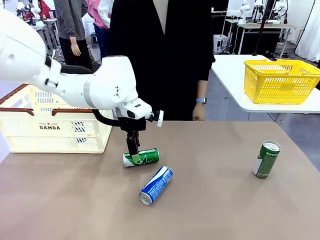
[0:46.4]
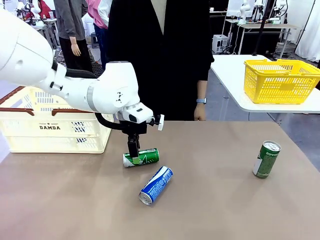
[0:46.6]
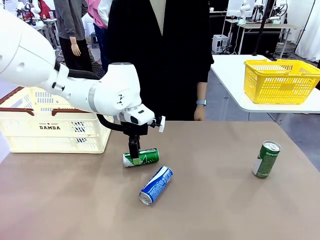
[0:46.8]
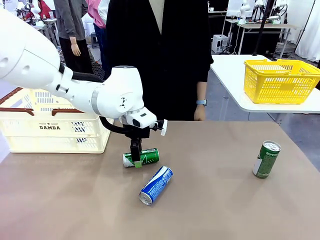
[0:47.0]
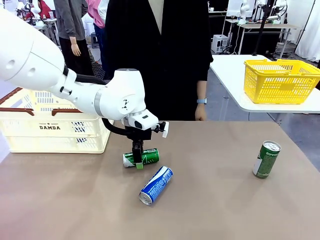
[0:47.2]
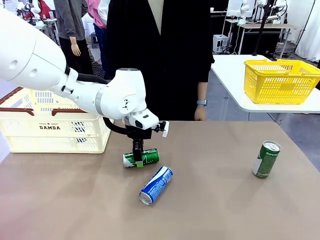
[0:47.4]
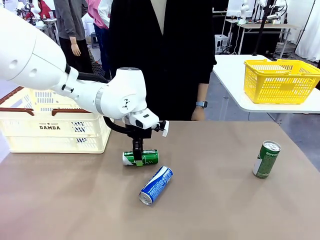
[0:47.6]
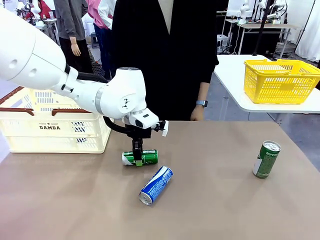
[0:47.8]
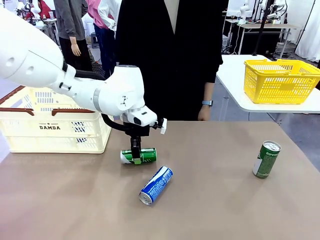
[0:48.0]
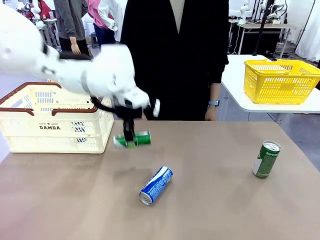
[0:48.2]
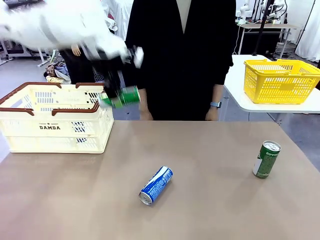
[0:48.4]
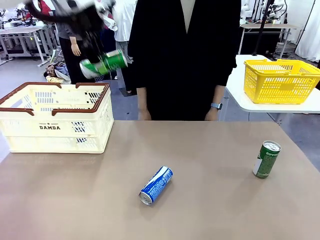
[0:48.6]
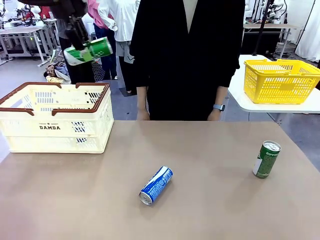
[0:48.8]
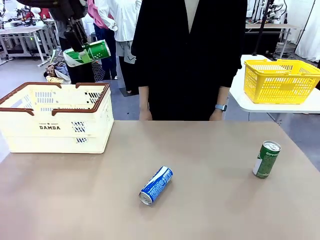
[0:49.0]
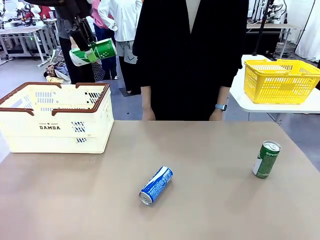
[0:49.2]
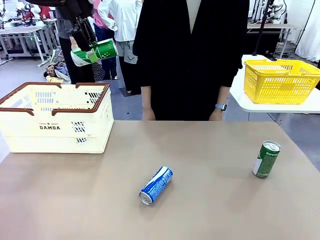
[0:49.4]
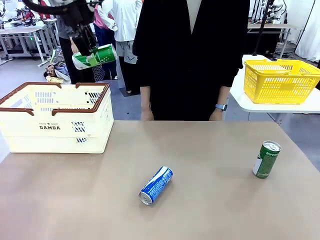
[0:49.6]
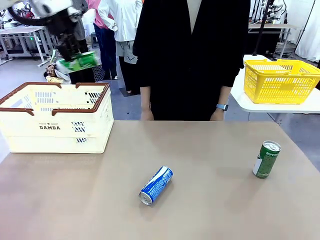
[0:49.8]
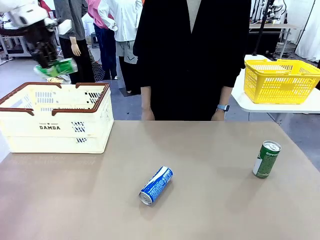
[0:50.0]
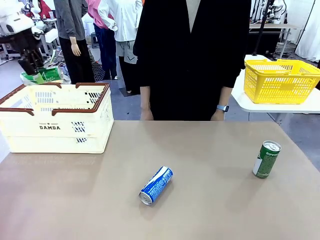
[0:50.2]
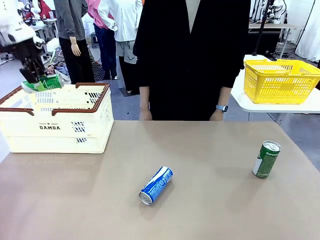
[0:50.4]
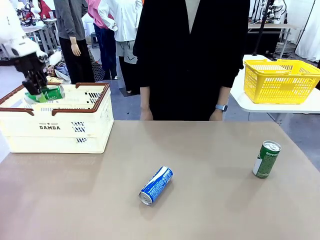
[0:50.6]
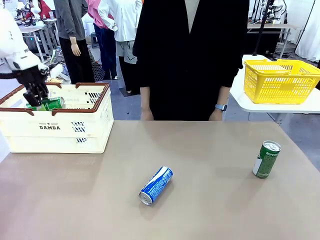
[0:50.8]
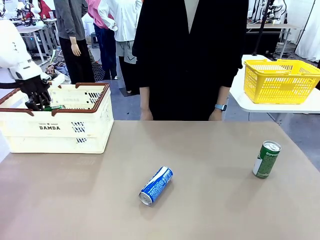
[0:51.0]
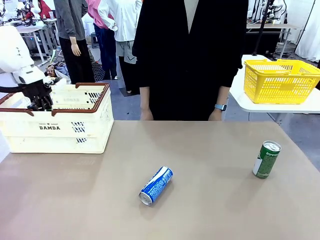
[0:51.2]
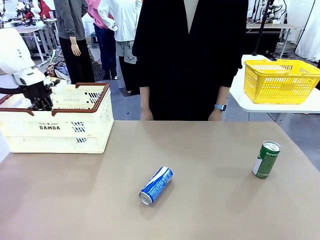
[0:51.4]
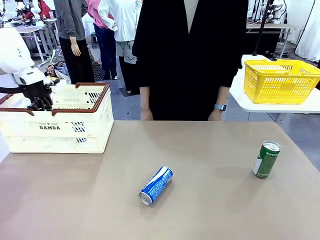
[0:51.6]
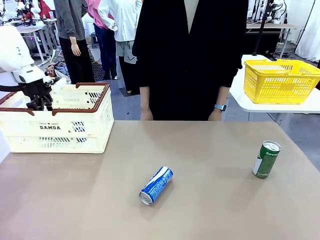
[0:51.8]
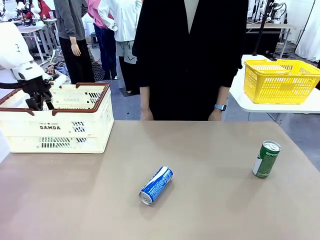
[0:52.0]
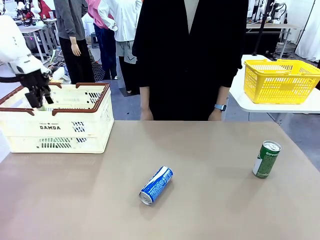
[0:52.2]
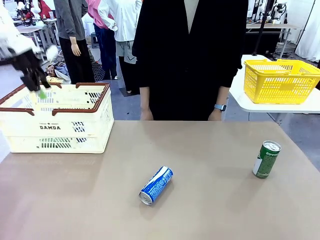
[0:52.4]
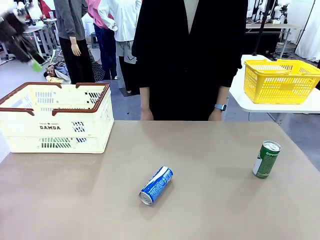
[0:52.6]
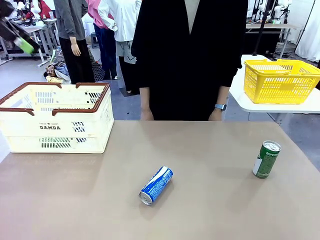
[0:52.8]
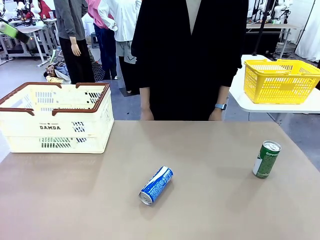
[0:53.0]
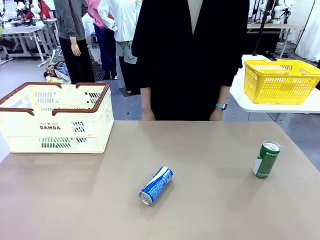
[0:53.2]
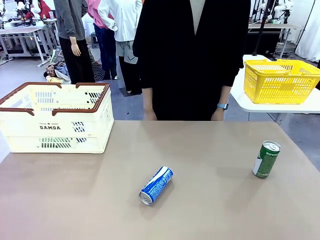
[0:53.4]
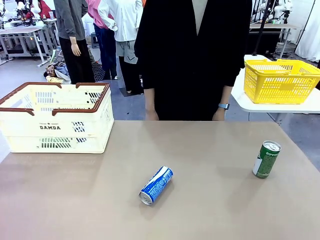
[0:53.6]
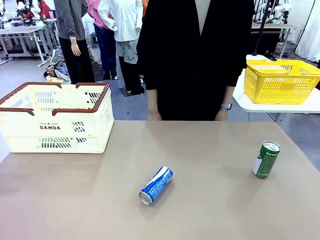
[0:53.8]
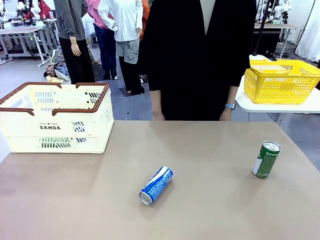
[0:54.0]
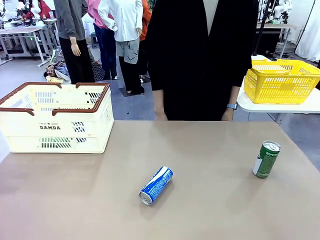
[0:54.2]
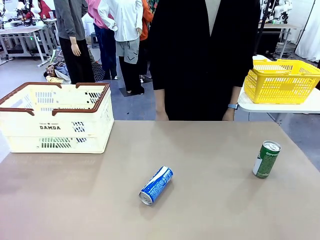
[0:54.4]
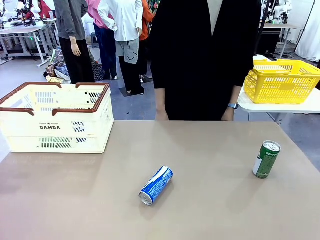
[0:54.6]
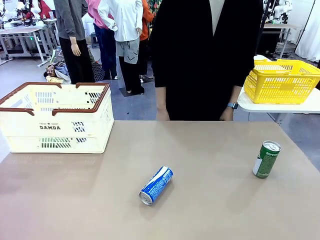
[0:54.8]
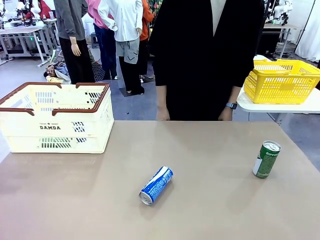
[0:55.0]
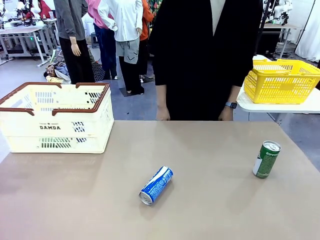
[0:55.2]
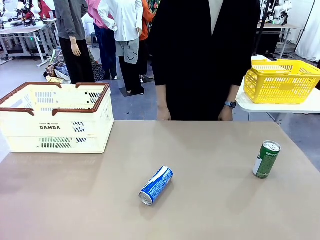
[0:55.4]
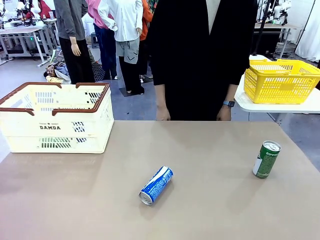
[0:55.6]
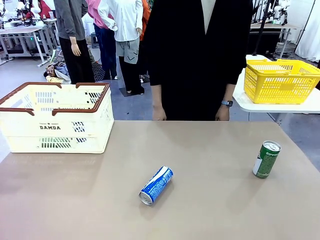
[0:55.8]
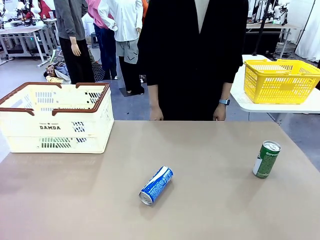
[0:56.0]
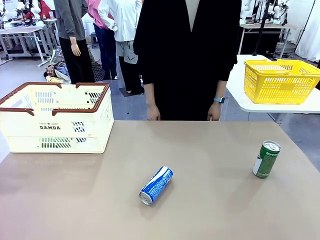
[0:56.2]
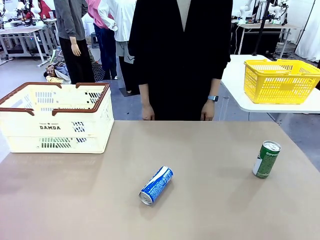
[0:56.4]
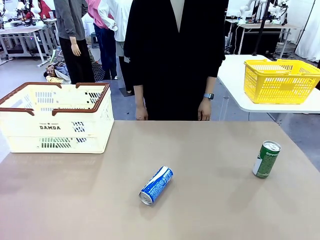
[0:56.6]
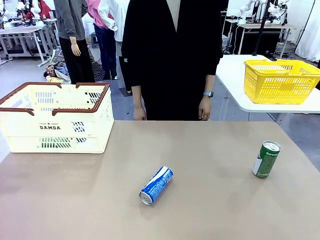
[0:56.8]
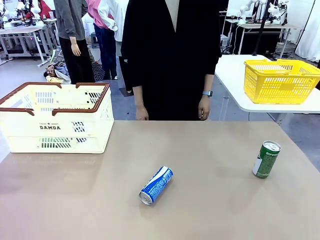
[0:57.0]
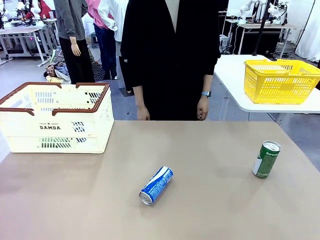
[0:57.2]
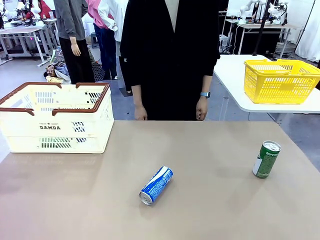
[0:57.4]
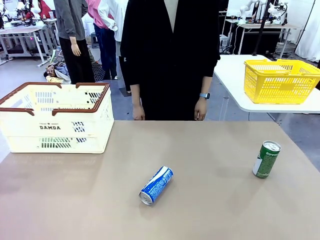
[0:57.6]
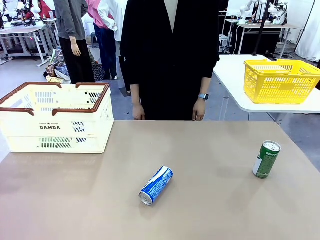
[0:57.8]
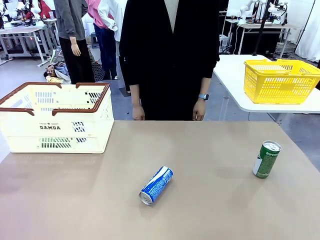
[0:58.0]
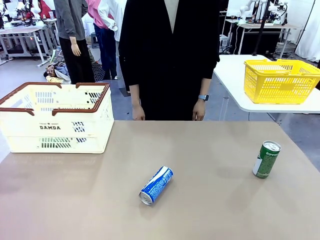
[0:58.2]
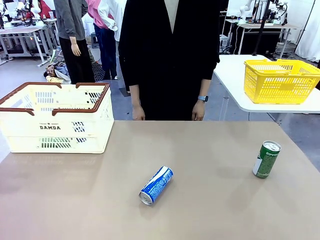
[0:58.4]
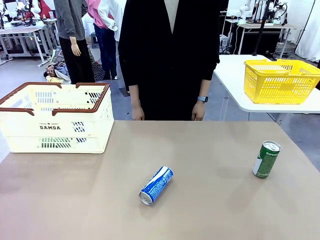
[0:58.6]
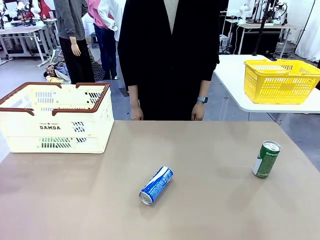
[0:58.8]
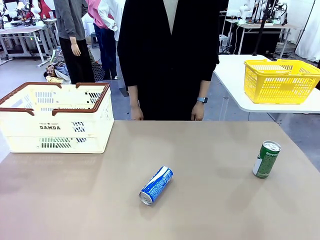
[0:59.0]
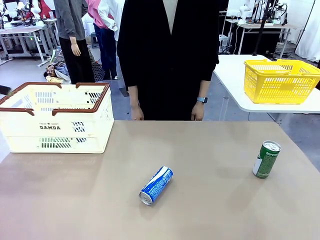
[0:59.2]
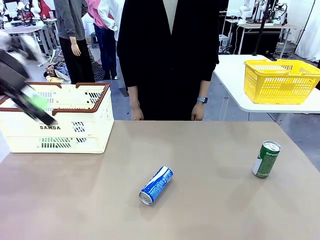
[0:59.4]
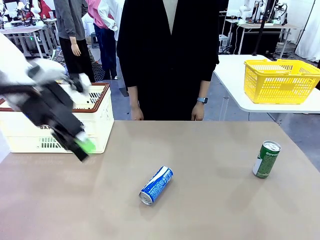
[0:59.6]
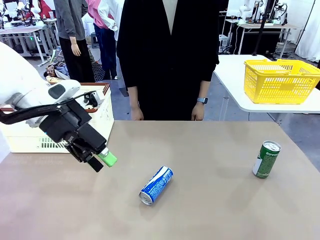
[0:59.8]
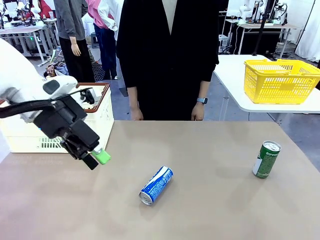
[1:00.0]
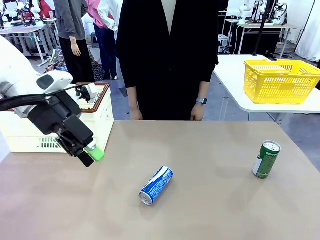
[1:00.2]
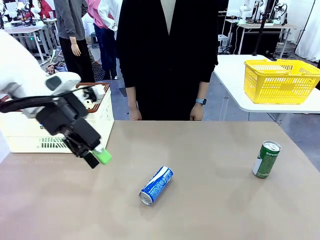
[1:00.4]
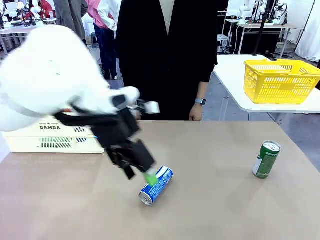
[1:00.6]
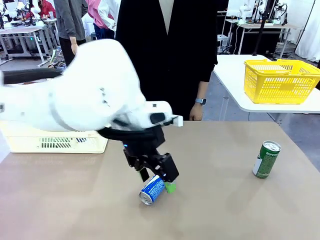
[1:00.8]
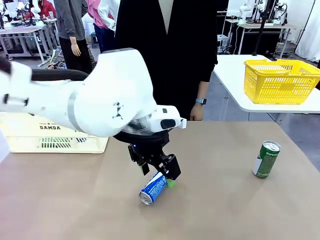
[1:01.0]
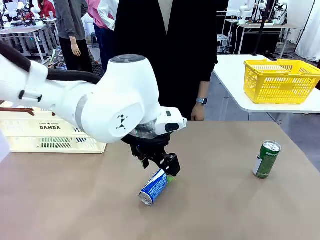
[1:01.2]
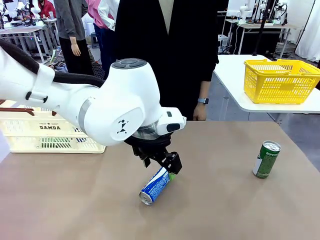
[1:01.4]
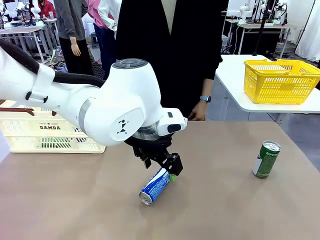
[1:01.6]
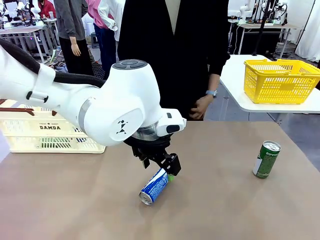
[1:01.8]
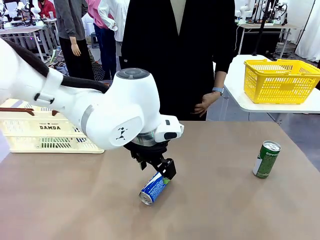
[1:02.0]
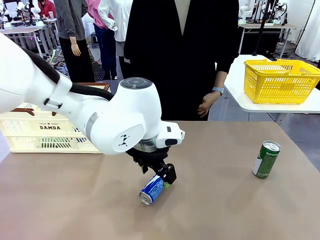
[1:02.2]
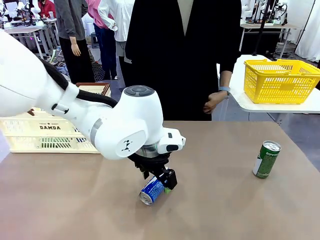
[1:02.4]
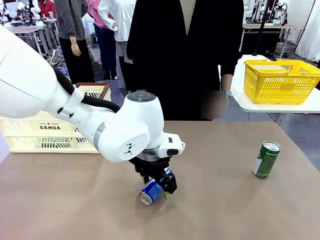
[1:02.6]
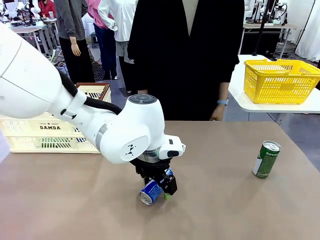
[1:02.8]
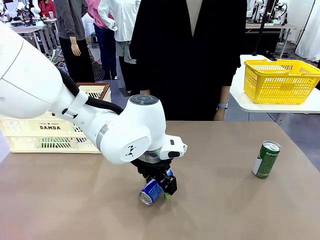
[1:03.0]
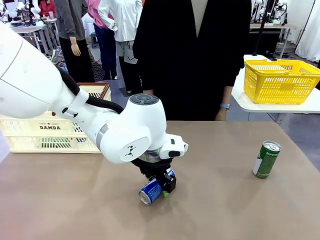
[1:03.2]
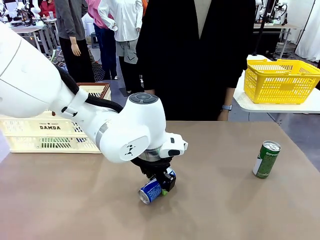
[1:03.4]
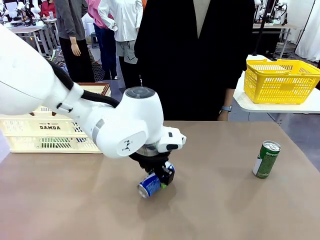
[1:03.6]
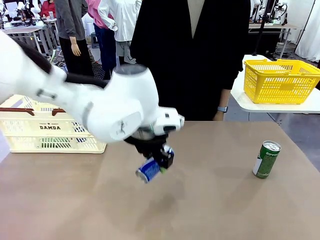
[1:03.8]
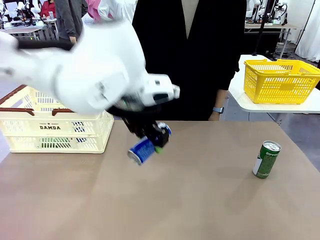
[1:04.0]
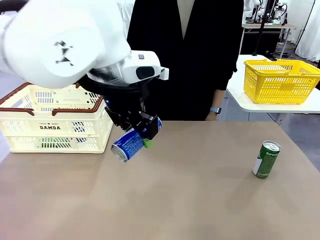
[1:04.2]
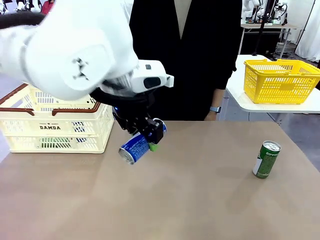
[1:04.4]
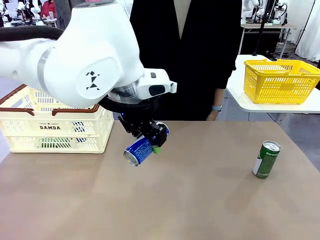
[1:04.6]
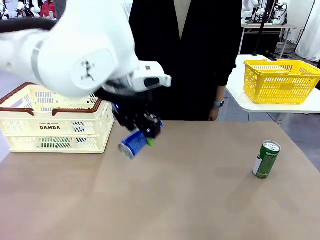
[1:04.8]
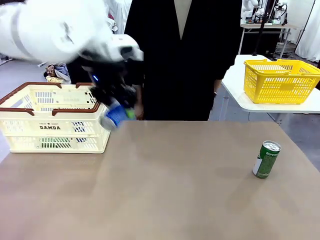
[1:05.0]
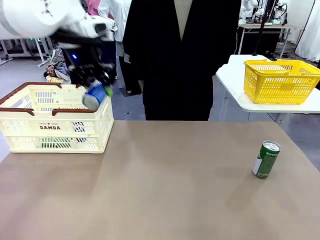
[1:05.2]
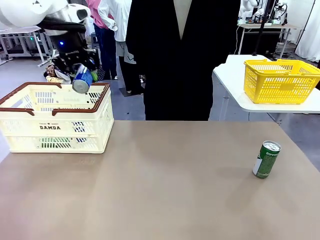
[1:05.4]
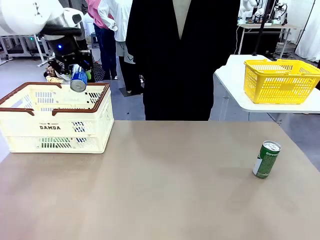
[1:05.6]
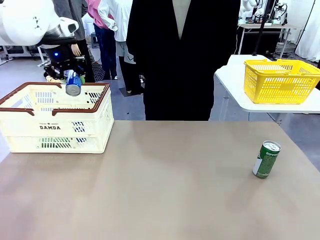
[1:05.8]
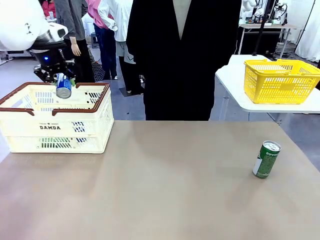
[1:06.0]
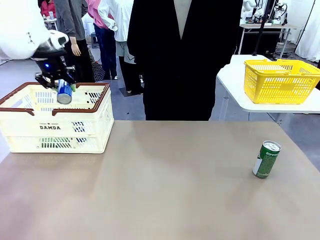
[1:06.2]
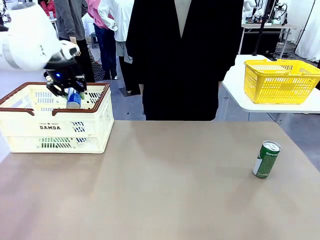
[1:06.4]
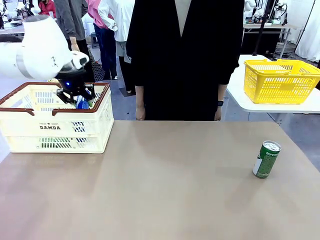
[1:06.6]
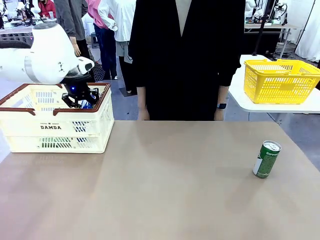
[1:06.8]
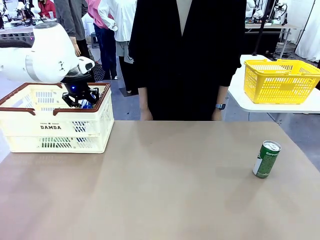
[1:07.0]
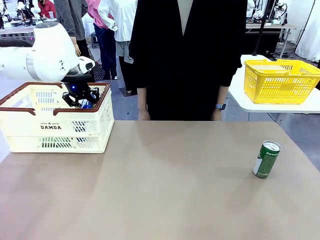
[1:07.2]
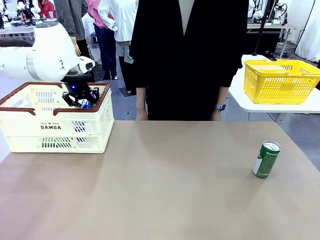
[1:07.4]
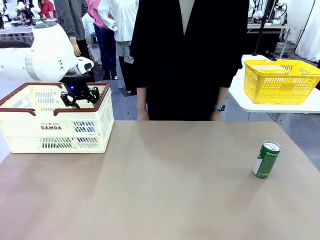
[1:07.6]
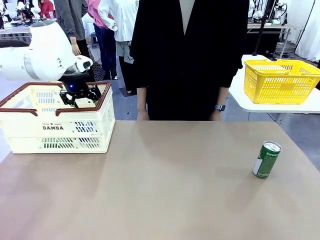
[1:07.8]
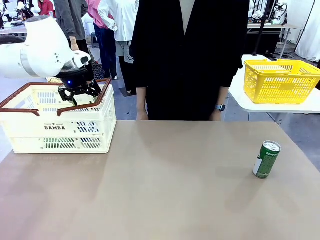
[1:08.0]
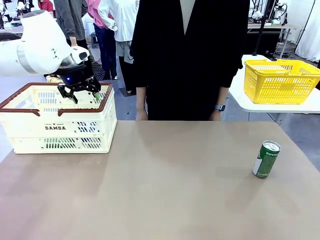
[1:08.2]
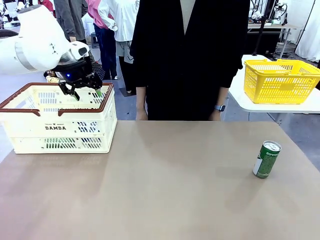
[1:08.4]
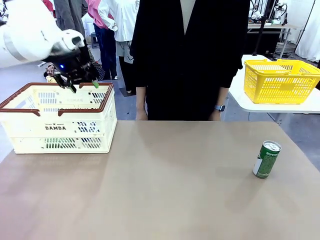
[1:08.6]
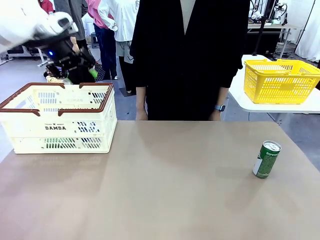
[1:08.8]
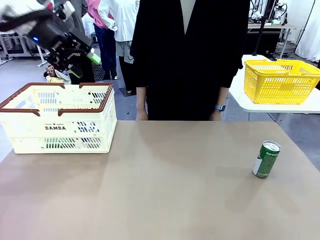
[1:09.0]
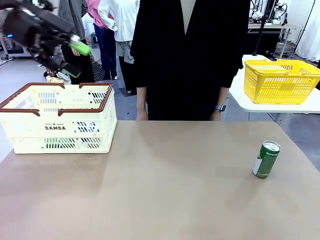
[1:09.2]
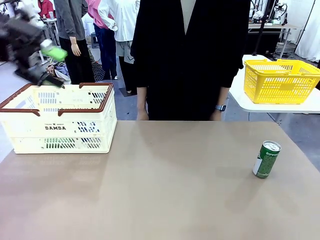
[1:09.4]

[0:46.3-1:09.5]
Task: Place the drinks into the Shopping basket.
Robot: Pick up one drink and place it into the Shopping basket.
